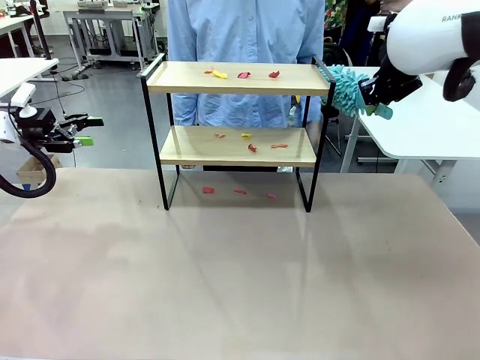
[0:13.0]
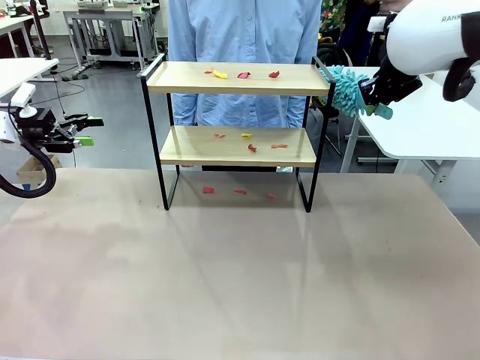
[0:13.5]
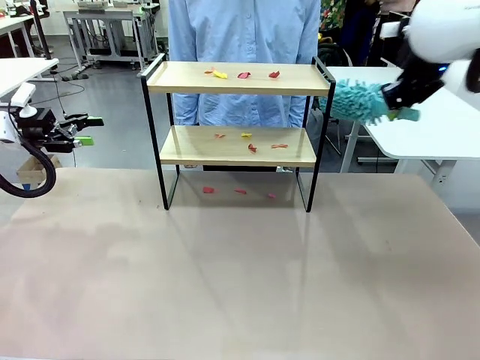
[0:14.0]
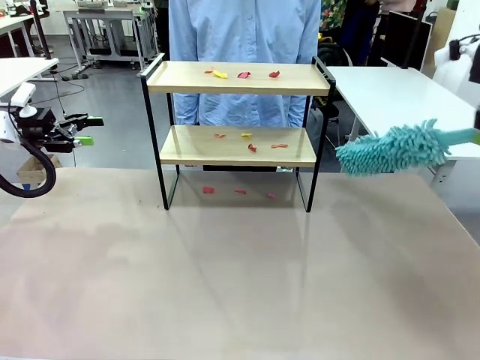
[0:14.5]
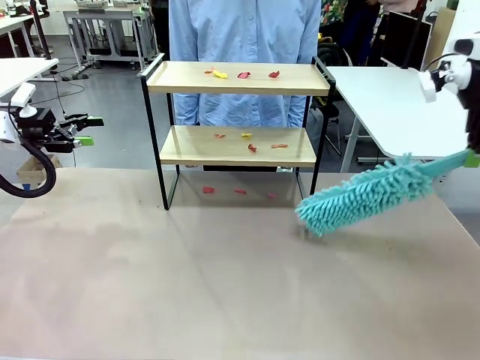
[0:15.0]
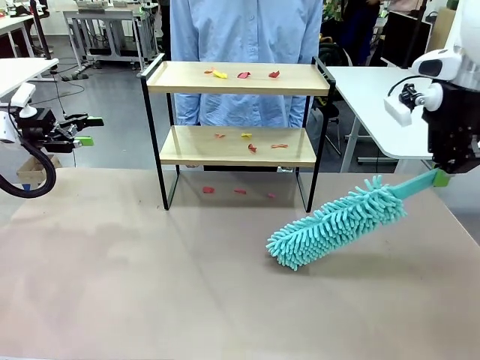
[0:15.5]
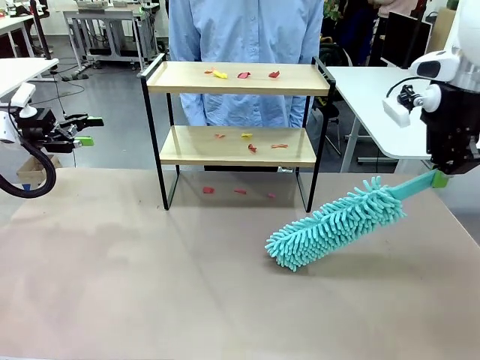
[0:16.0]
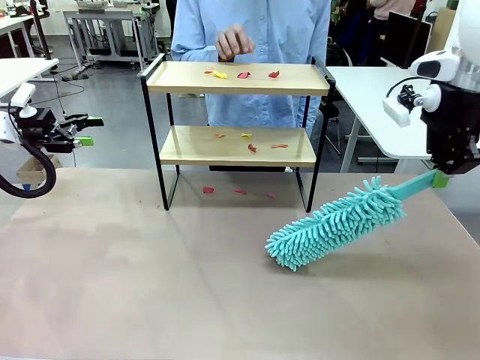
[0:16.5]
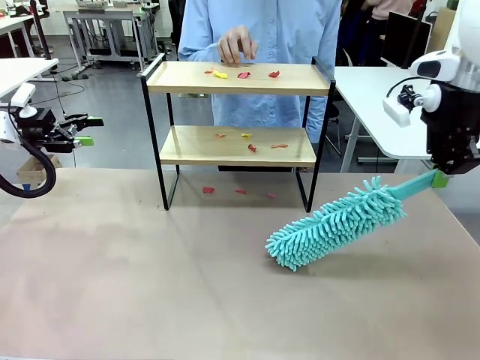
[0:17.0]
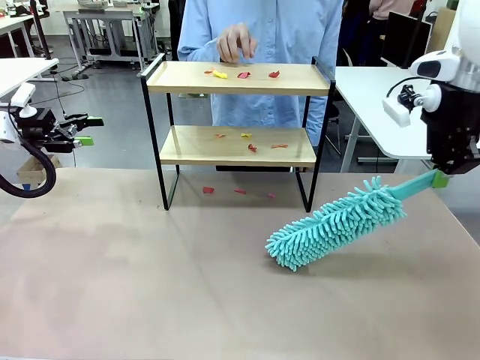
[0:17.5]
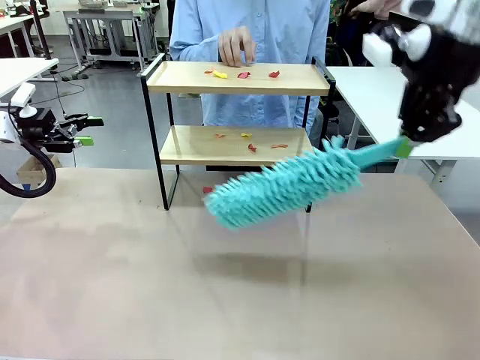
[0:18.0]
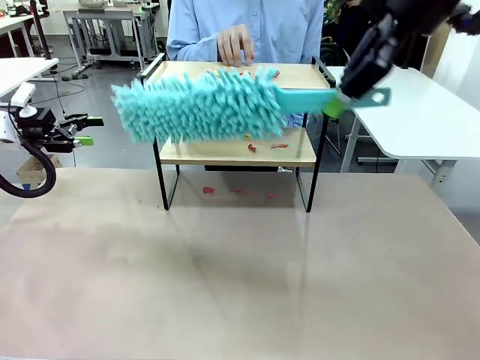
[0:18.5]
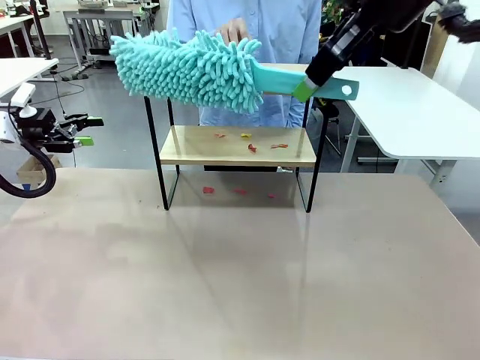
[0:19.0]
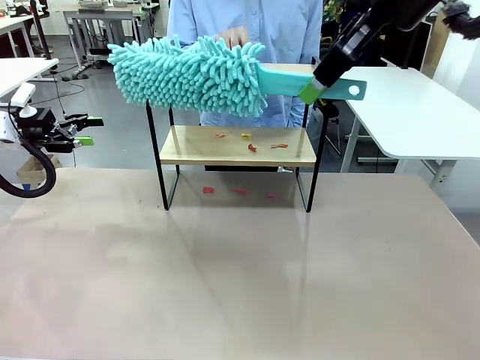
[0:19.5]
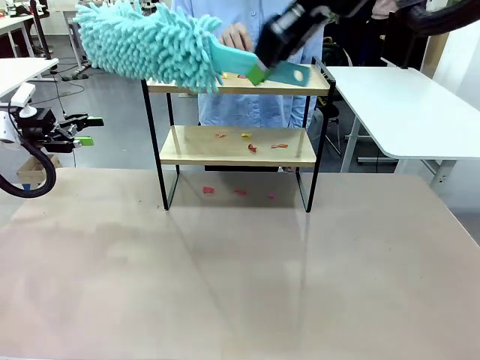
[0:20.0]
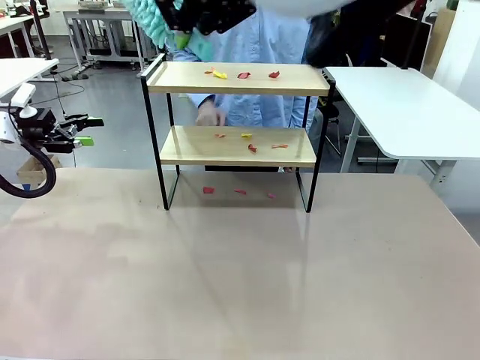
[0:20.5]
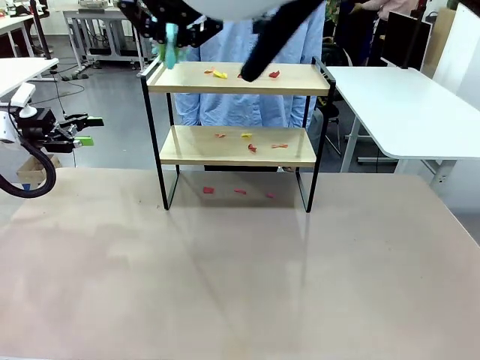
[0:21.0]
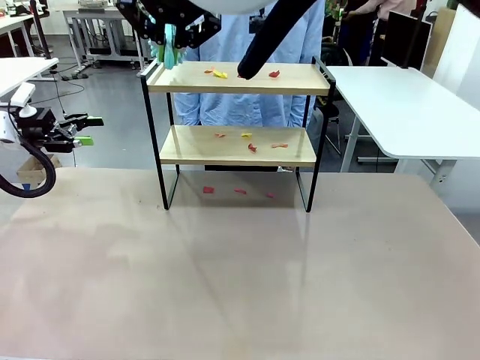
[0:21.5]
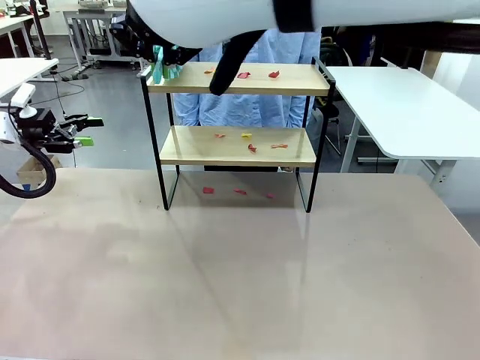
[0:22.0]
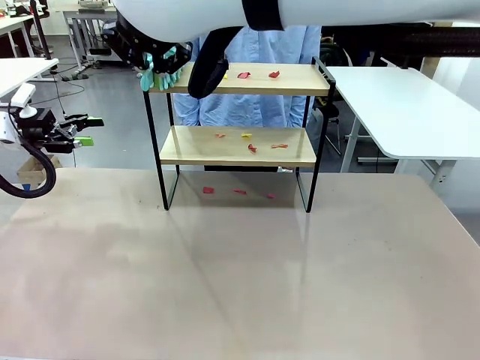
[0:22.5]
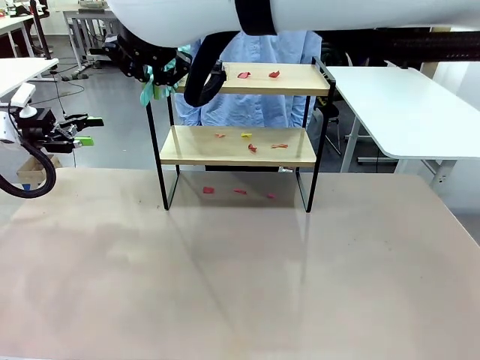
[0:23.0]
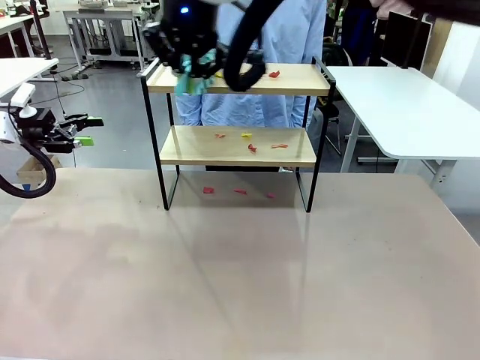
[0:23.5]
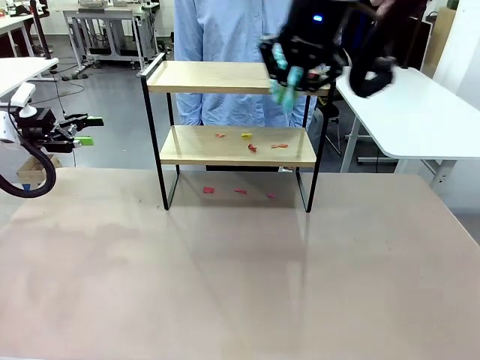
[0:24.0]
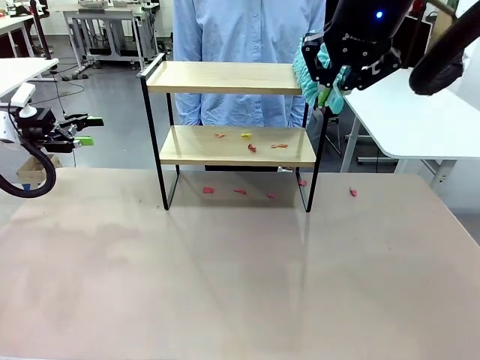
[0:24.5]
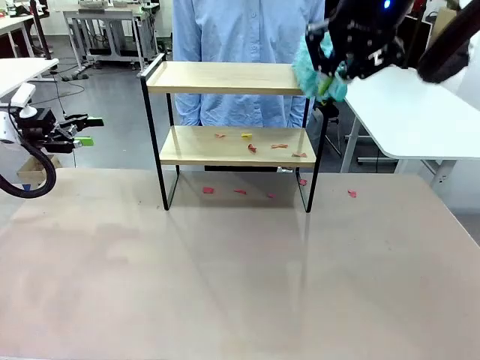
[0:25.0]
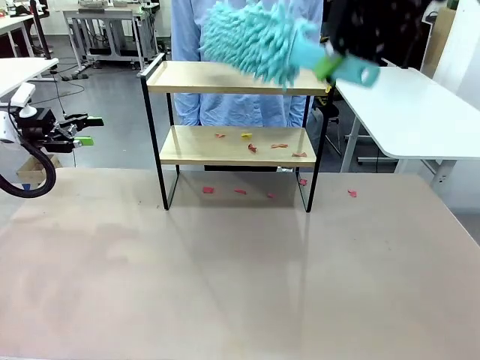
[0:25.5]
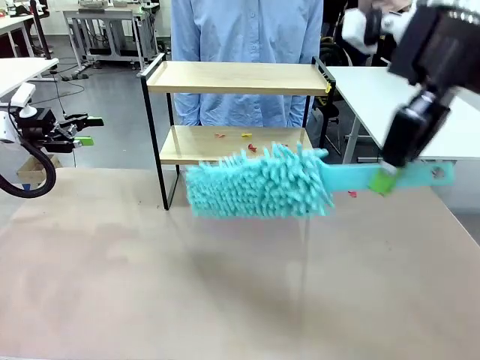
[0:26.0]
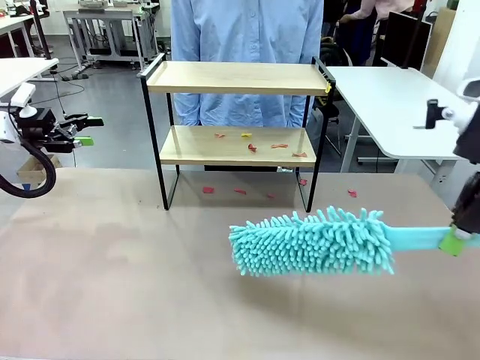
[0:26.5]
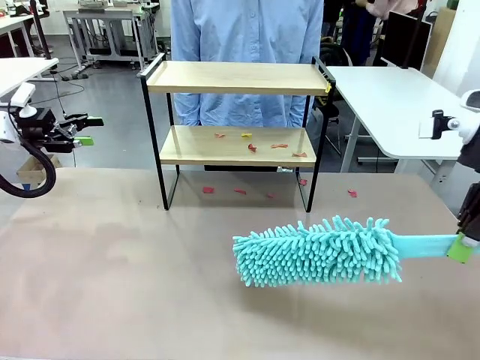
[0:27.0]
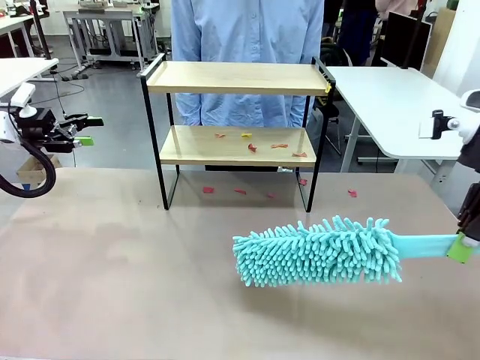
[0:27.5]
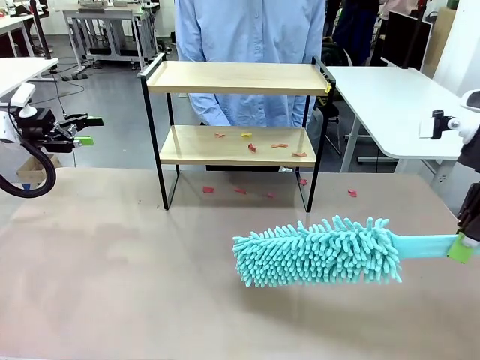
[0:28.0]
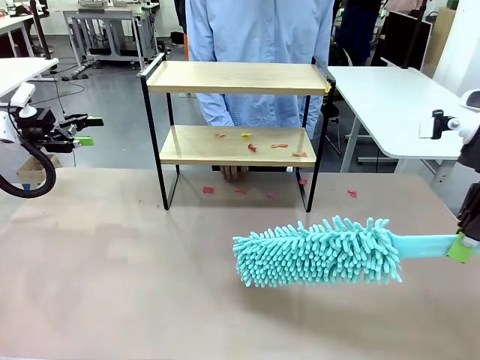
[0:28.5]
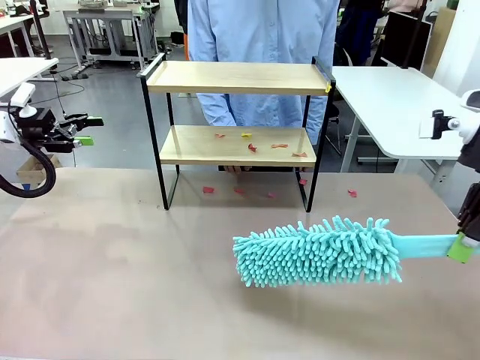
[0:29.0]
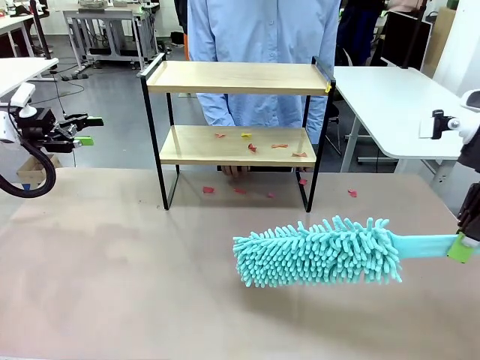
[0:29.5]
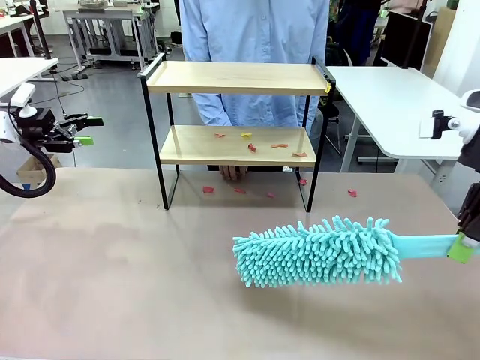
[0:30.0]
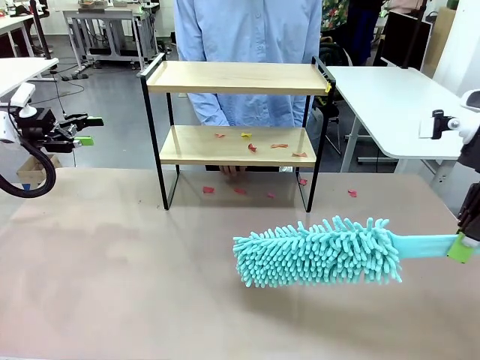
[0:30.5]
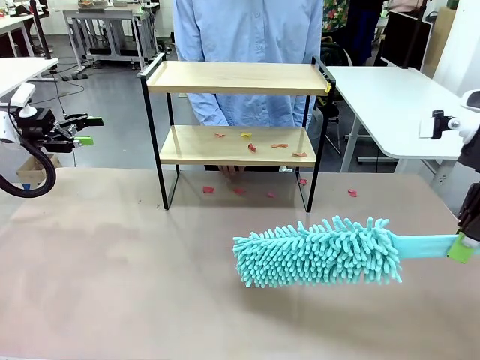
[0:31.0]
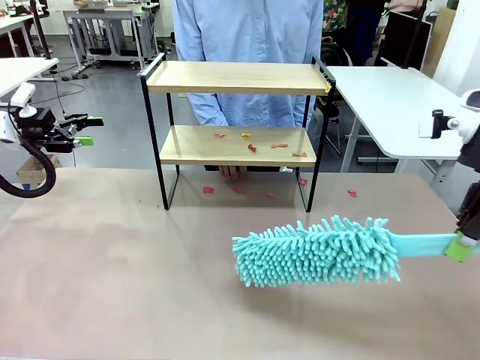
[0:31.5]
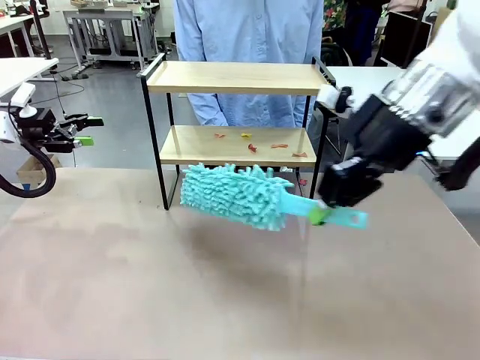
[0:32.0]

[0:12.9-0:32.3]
Task: Clean the shelf.
Robot: Clean the specific section of the Shelf indicated by the human with the Duster.
Person: Point a random section of the Shelf.

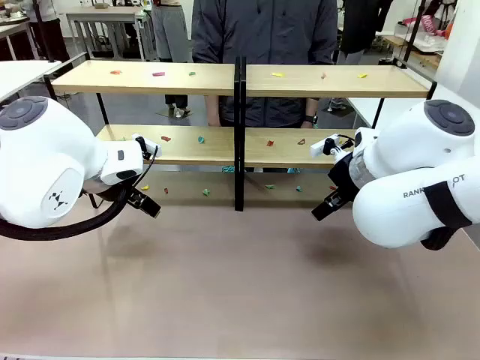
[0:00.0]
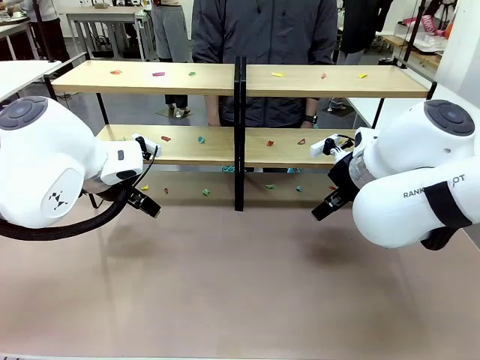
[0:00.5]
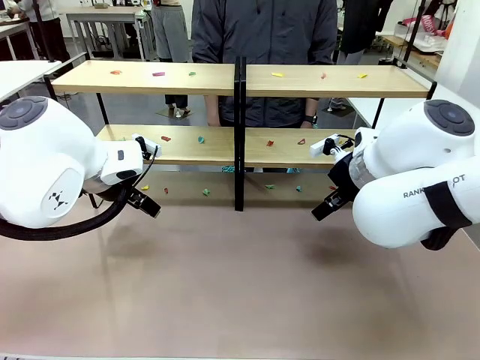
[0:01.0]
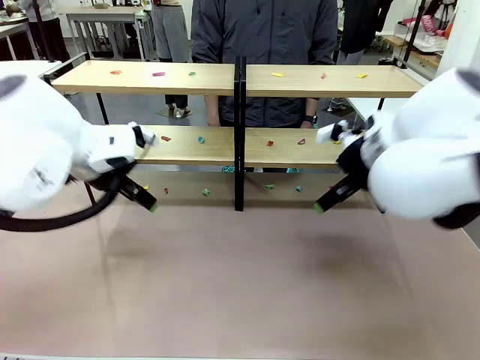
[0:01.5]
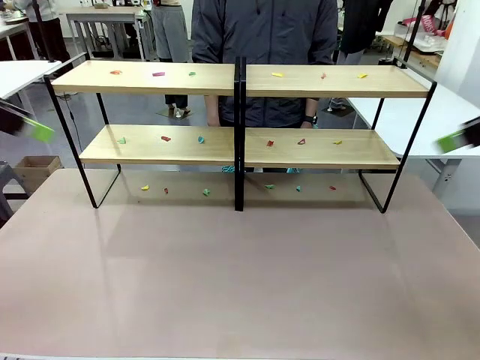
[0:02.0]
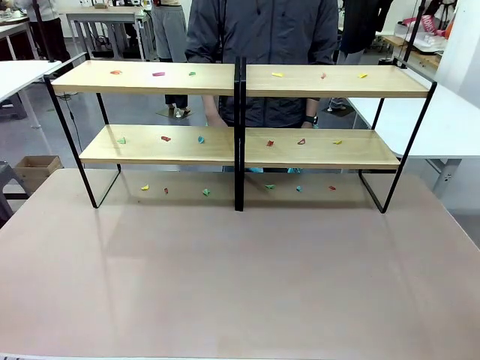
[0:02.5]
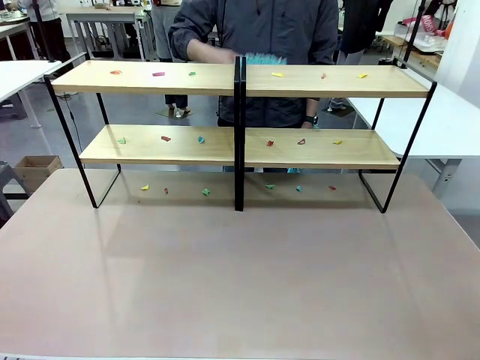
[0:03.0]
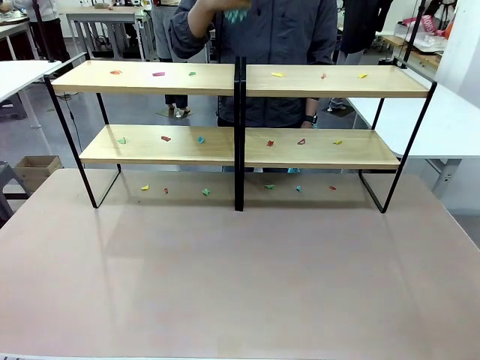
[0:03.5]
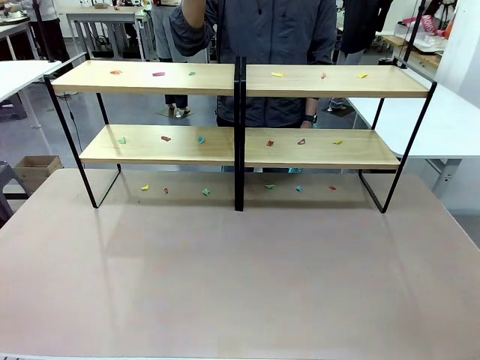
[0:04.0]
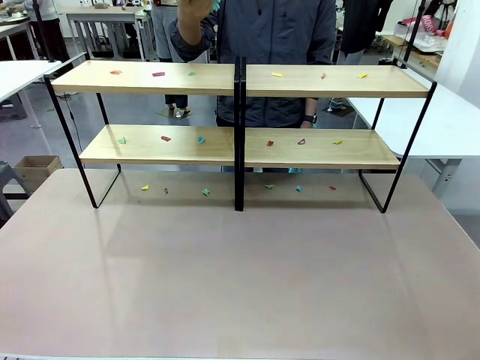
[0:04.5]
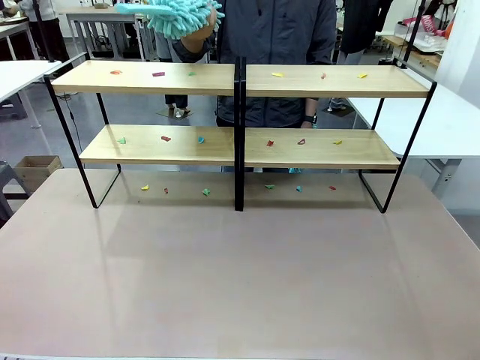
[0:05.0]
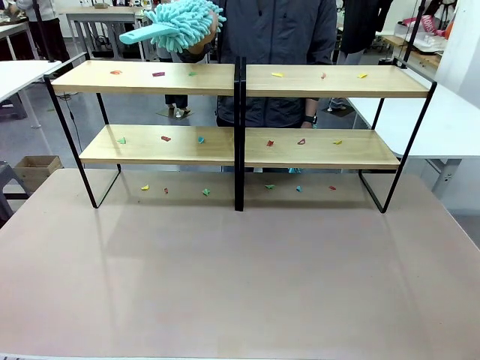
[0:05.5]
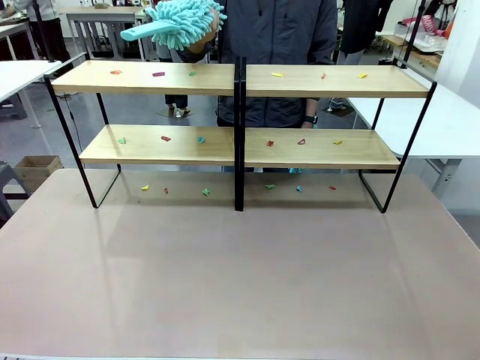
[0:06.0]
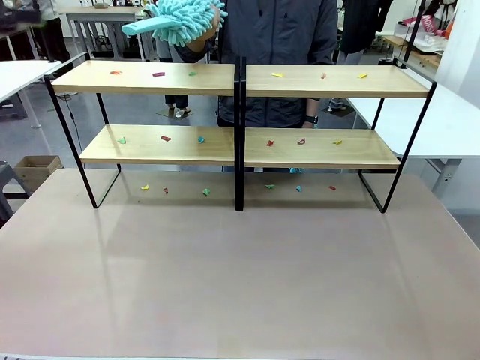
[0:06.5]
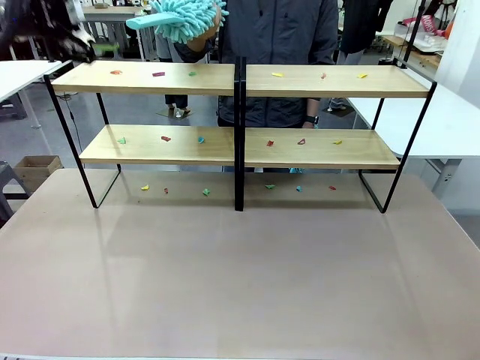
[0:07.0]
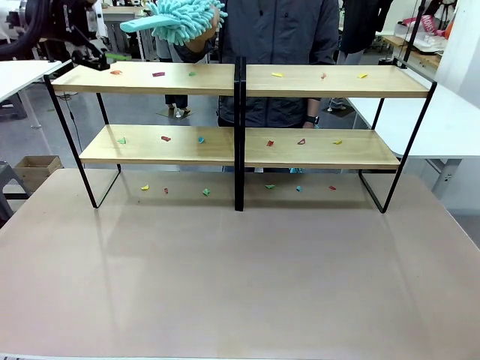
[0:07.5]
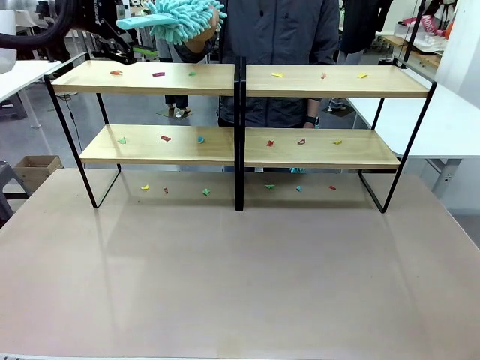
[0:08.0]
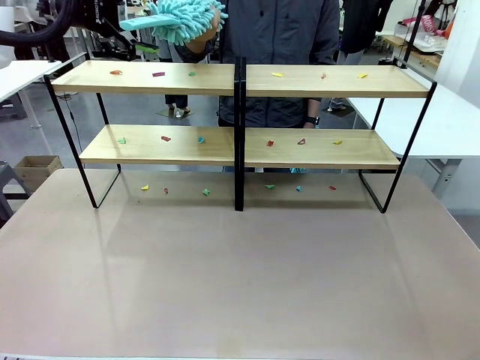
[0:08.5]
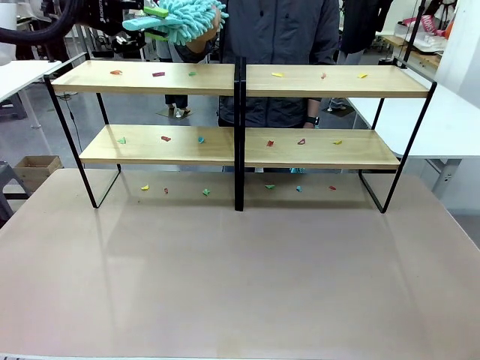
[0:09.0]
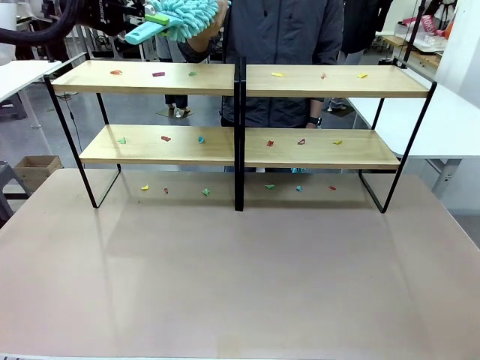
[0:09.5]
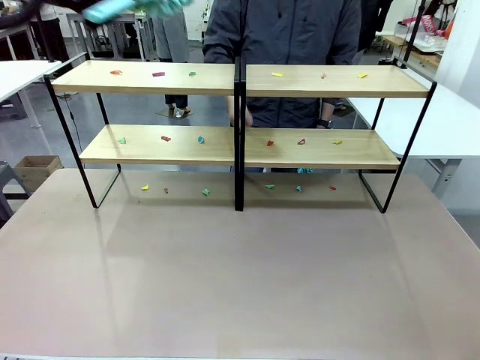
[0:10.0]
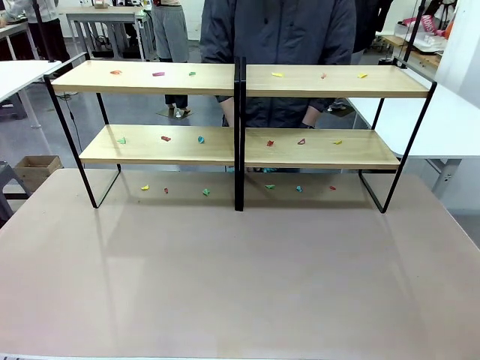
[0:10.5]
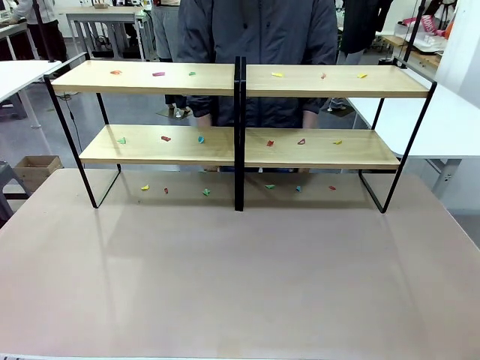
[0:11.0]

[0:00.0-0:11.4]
Task: Clean the shelves.
Robot: Pick up the Duster when the human hands it over.
Person: Hand the Duster to the robot with your right (or left) hand.
